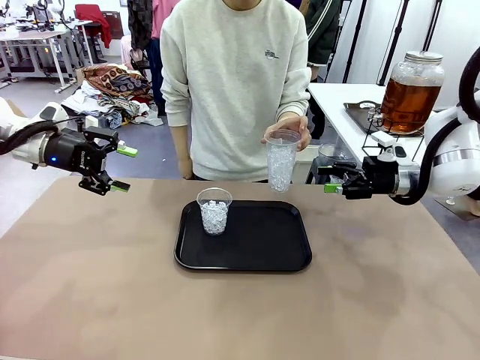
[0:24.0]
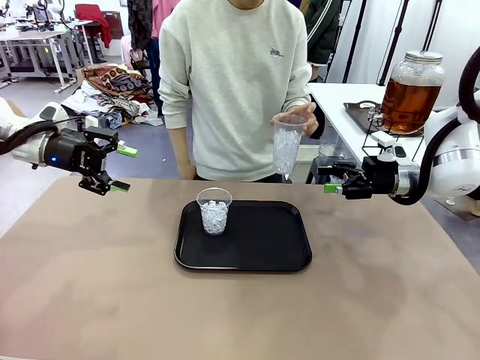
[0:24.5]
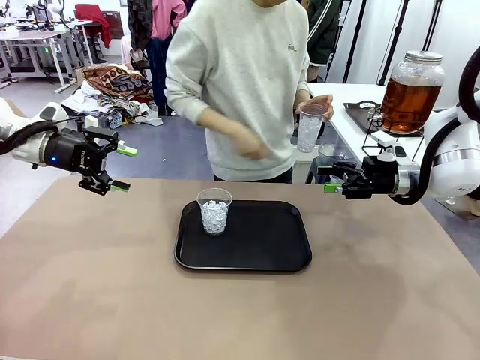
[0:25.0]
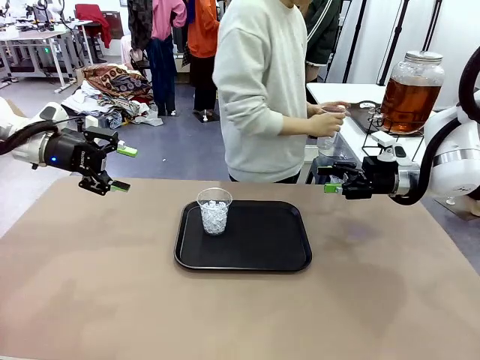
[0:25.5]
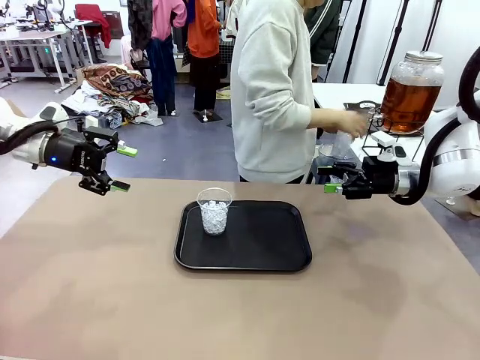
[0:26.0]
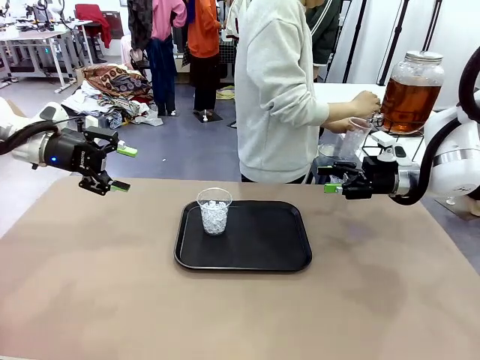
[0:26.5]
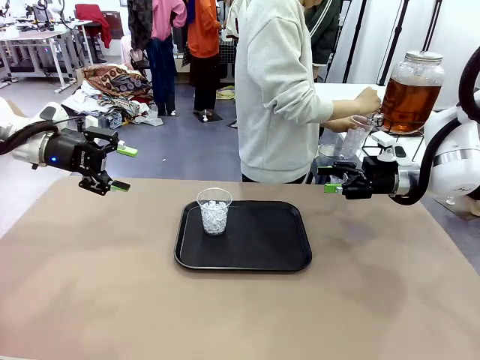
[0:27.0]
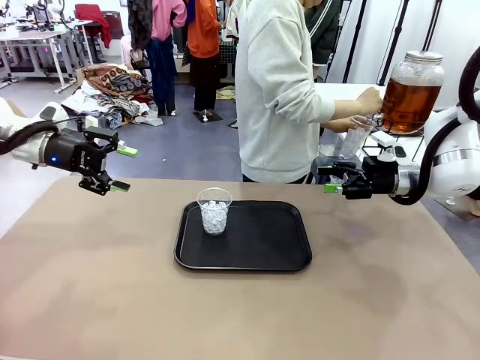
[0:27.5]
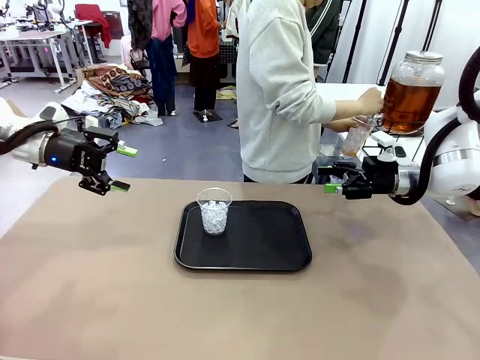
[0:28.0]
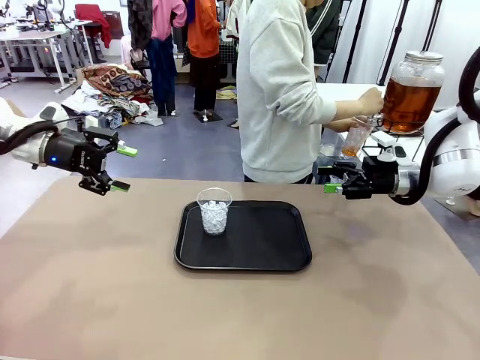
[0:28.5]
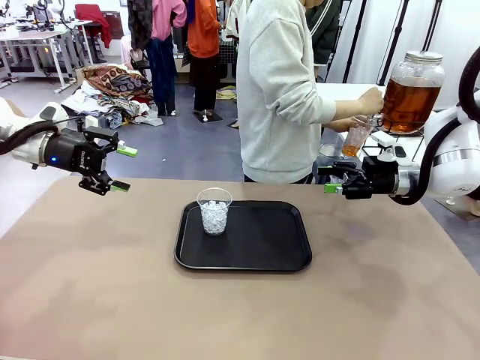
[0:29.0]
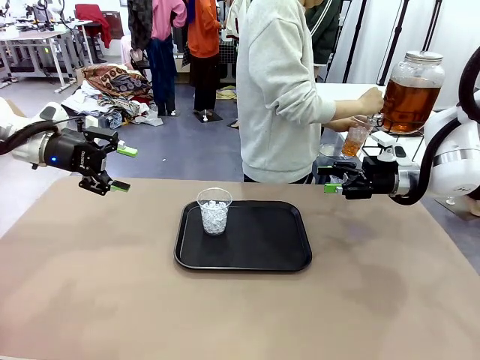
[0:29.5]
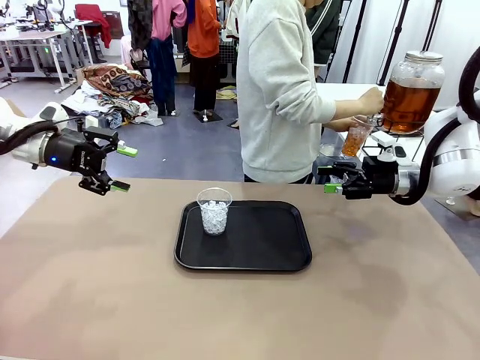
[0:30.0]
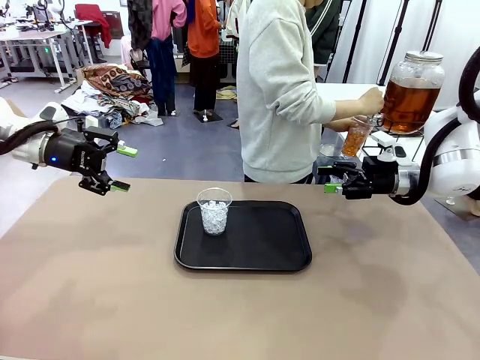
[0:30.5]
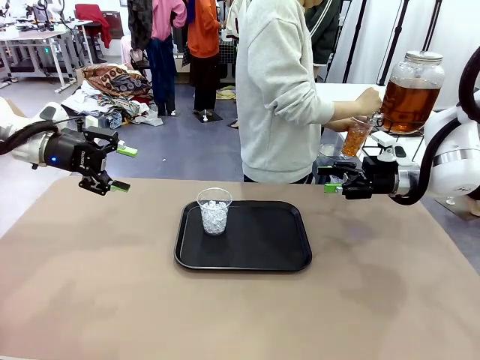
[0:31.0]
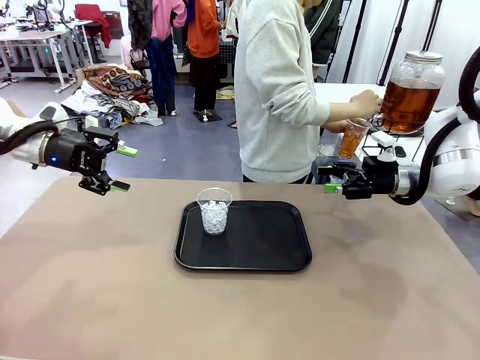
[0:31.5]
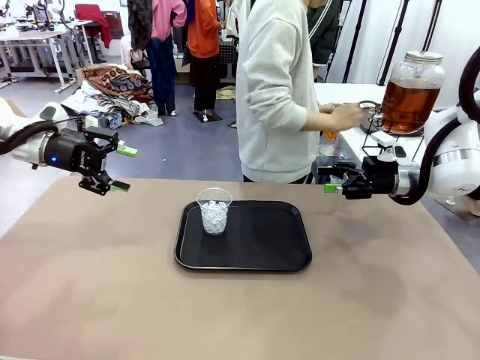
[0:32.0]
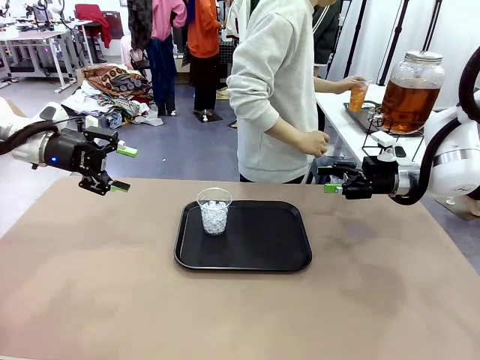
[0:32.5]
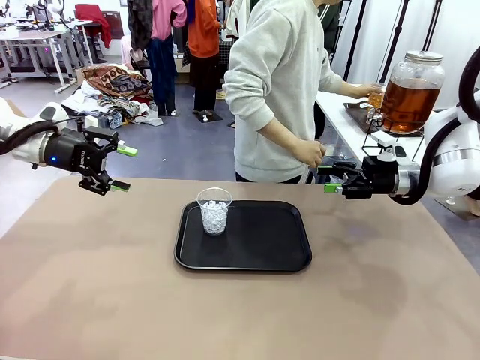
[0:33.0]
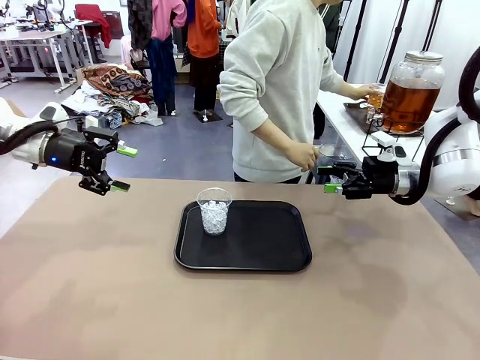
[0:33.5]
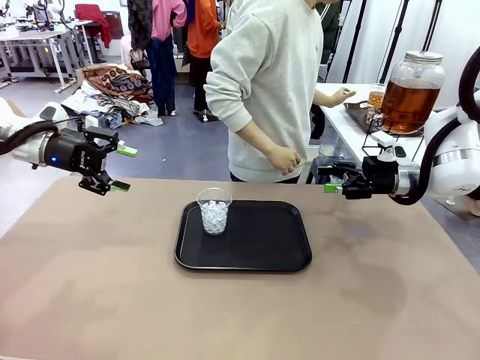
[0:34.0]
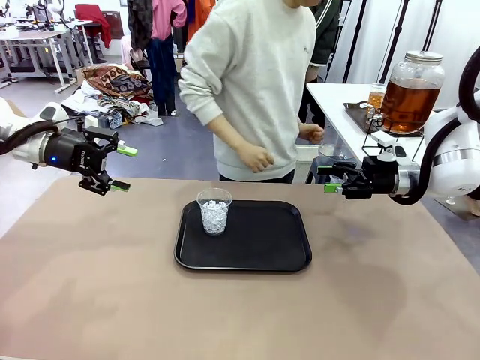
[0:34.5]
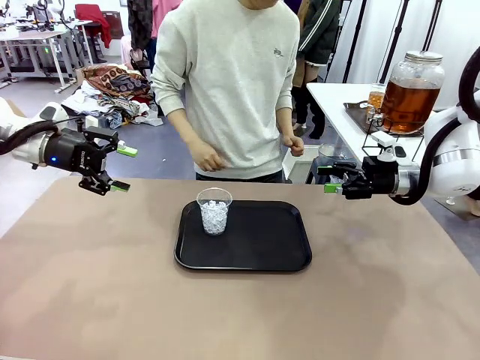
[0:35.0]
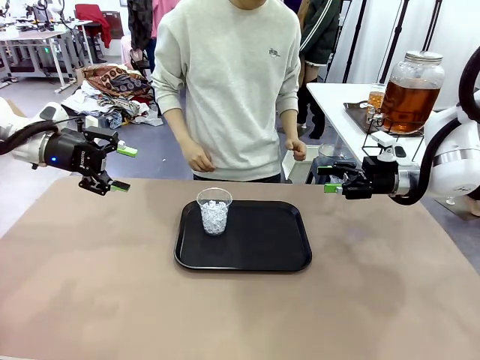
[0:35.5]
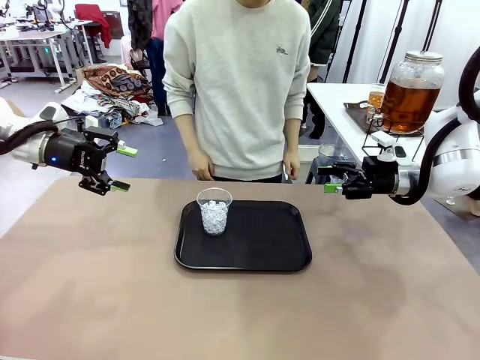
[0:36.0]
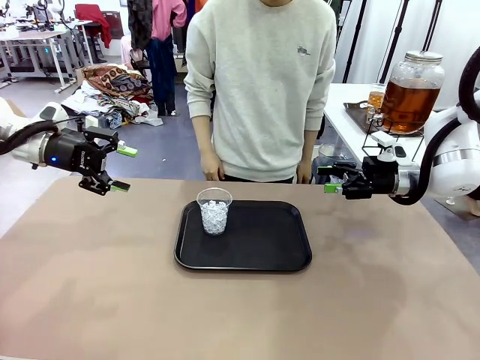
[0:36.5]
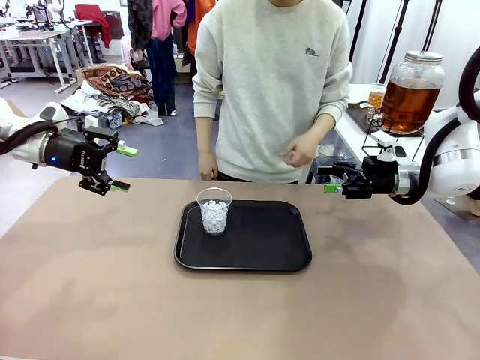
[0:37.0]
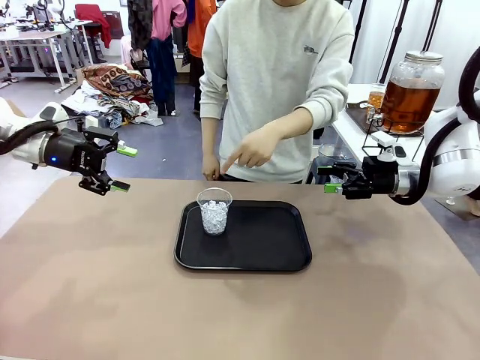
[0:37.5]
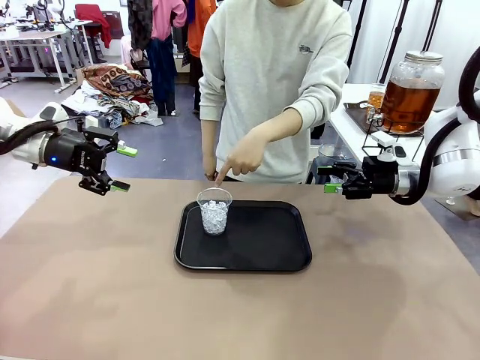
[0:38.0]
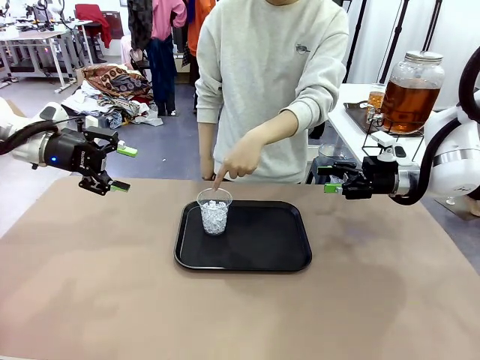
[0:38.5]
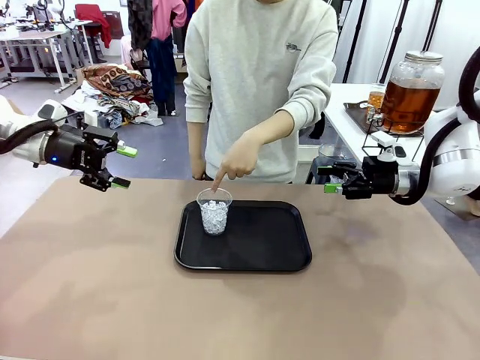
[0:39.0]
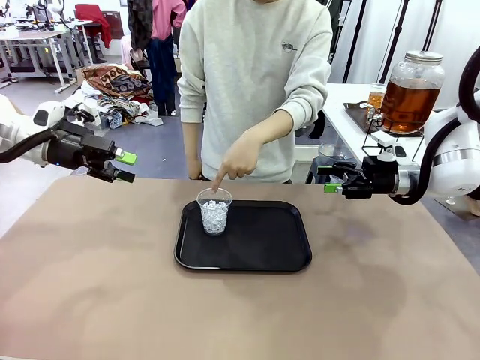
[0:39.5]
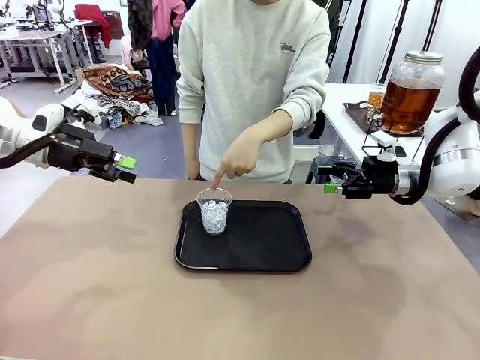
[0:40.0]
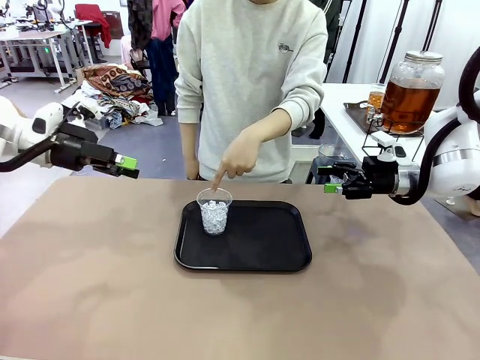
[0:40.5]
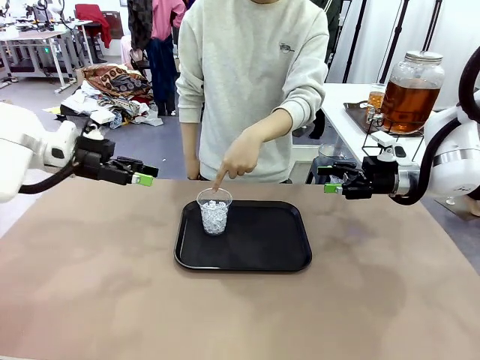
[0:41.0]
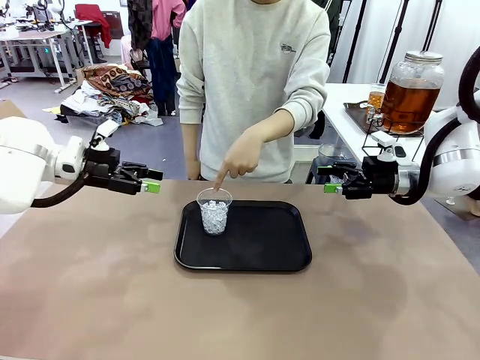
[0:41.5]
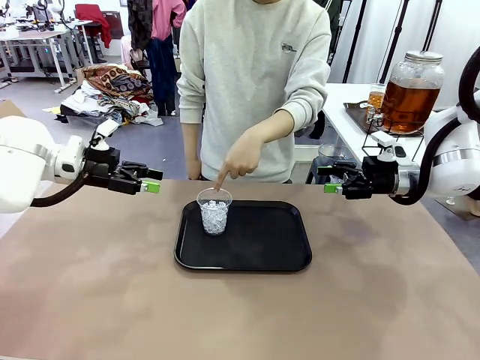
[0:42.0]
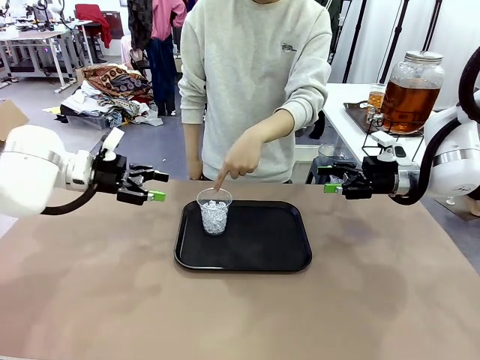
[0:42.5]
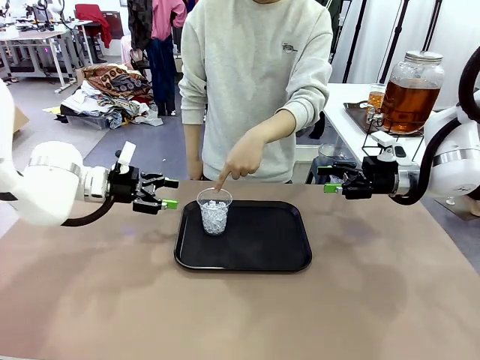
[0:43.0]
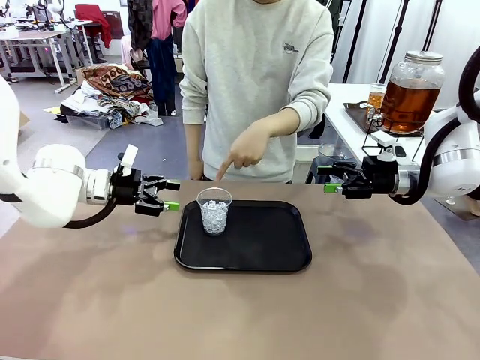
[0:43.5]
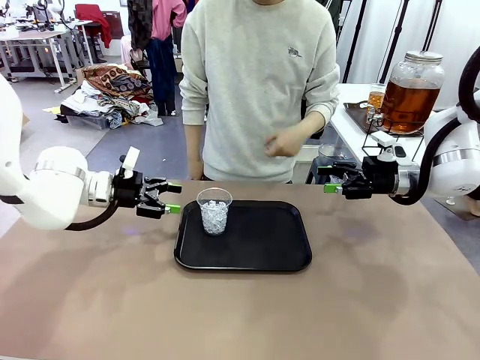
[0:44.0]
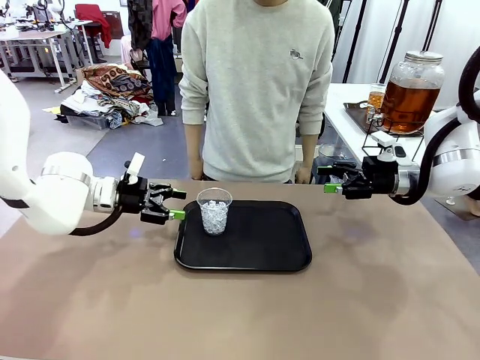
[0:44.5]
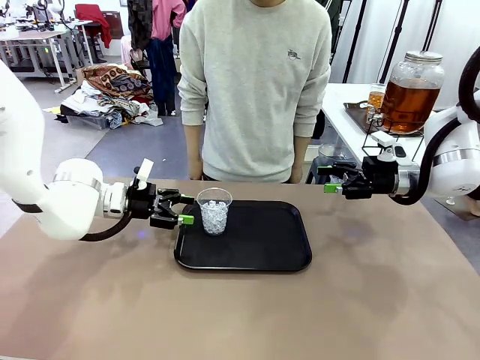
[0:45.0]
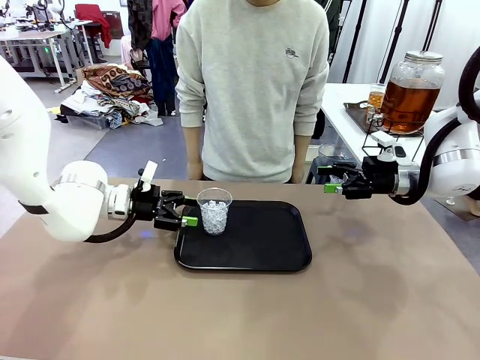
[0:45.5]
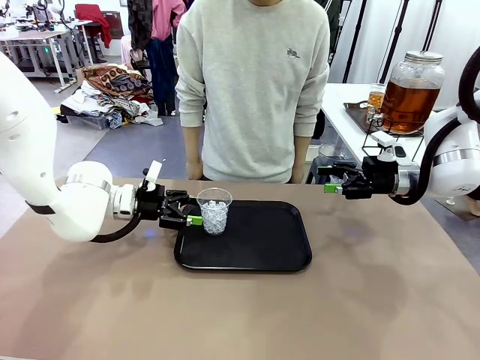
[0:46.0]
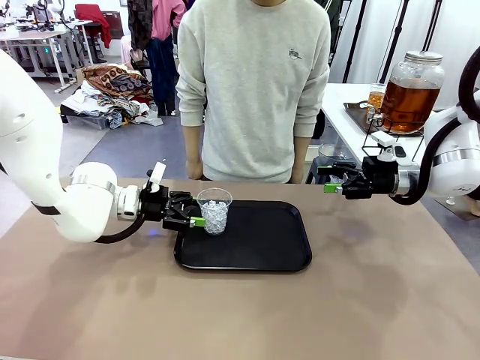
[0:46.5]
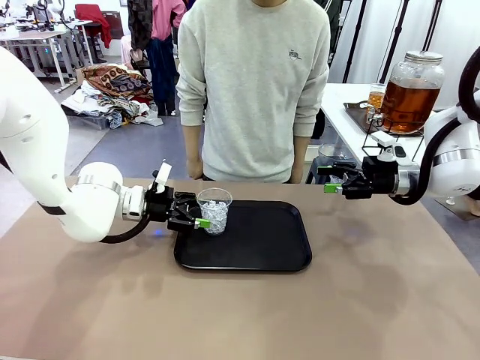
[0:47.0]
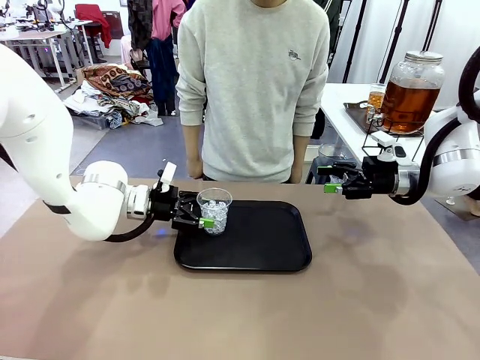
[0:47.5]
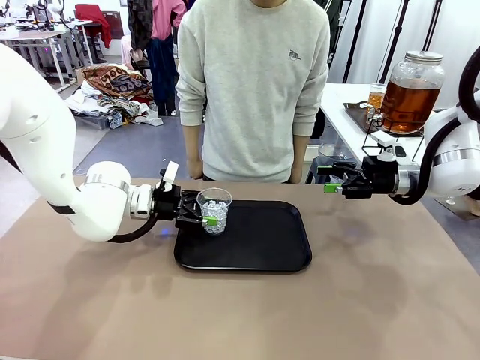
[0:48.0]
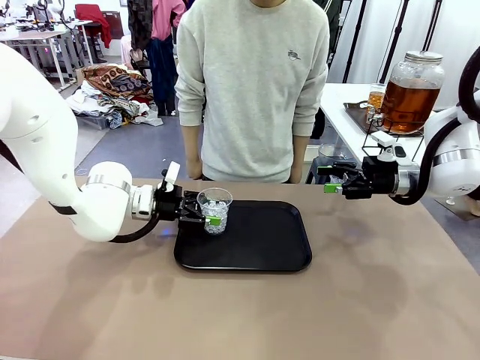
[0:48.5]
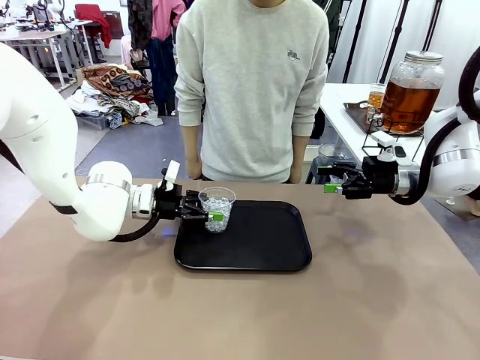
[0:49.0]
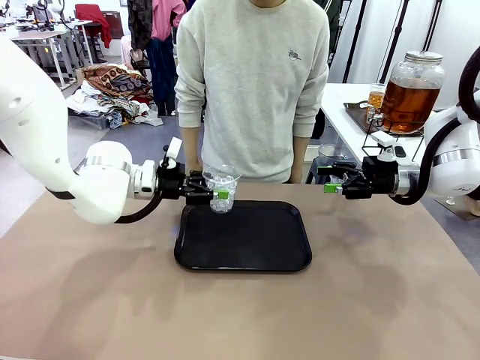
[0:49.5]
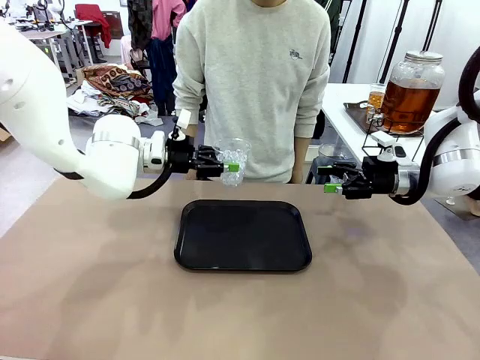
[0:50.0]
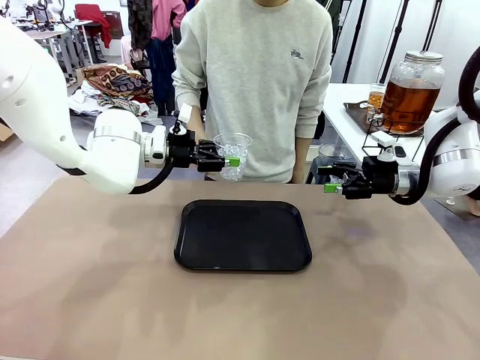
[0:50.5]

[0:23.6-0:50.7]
Task: Pour the drink into the iced cup.
Robot: Pick up the iced cup indicated by the human and present it to them.
Person: Move the picked-up cup under the dispenser faucet, pour the drink, and place it on the tray on the human table. Point to the remaining ice cup on the robot table. Pick up the cup offered by the robot.
